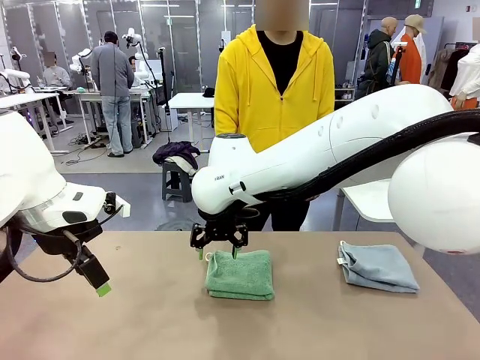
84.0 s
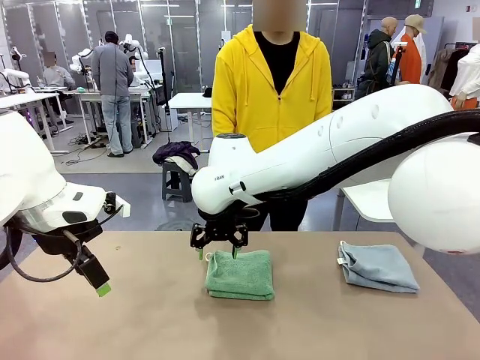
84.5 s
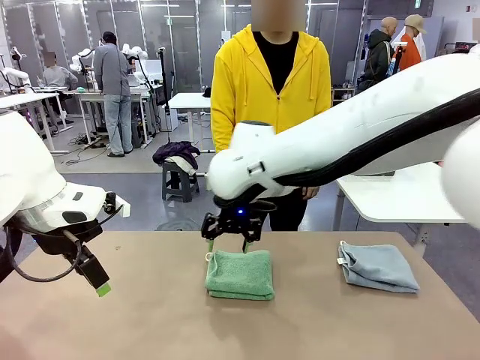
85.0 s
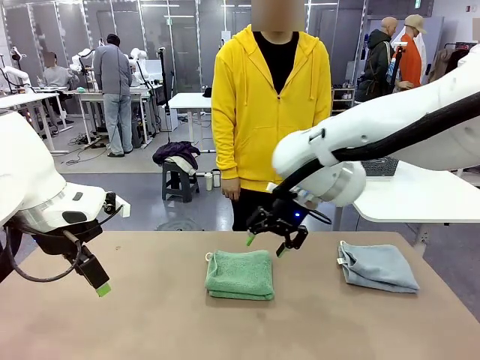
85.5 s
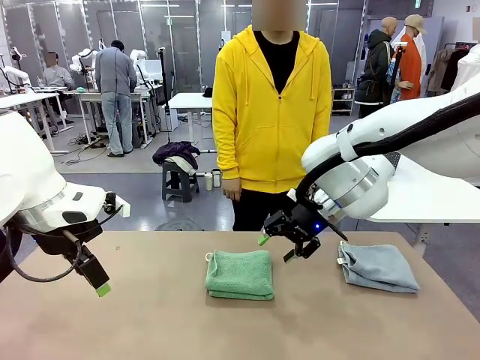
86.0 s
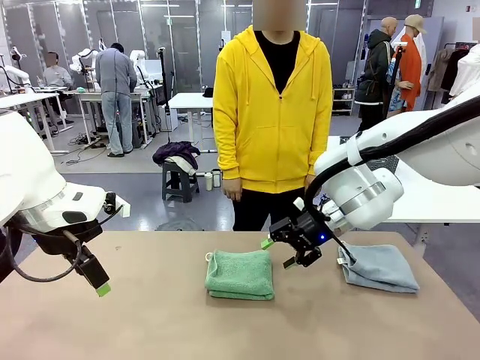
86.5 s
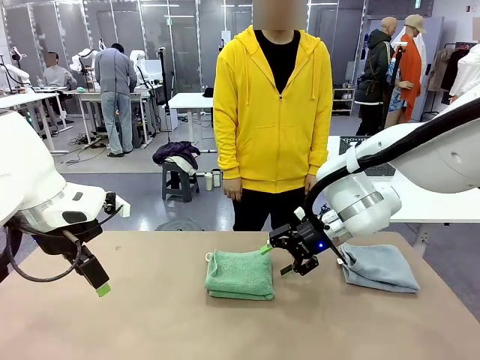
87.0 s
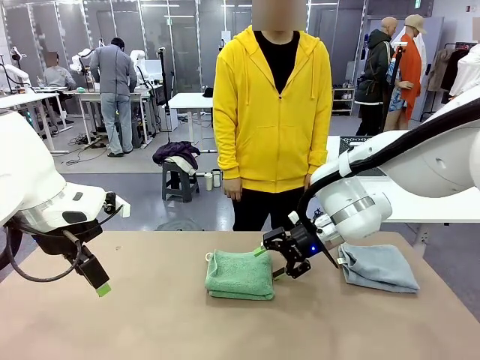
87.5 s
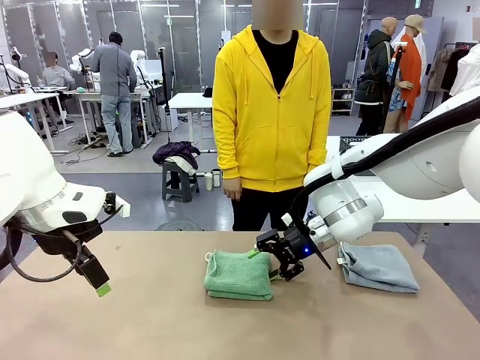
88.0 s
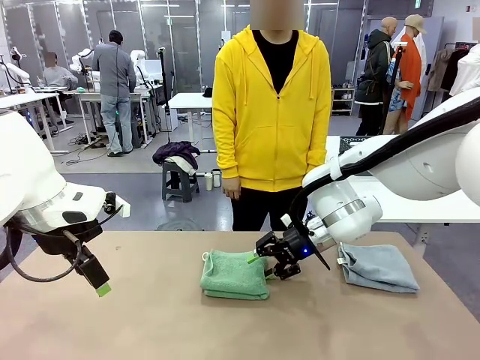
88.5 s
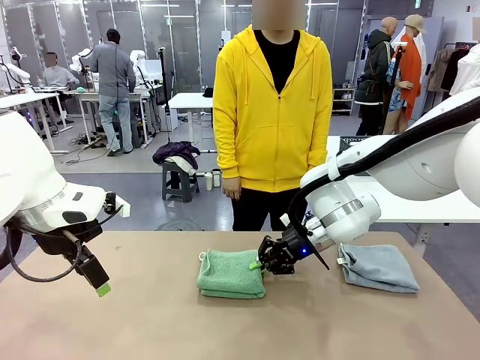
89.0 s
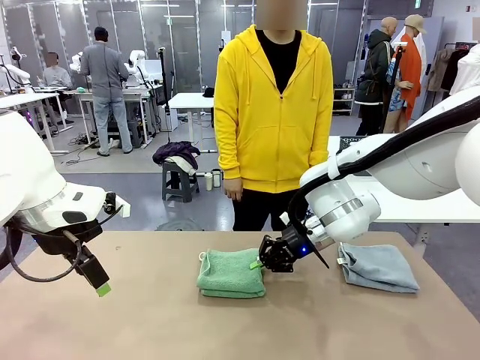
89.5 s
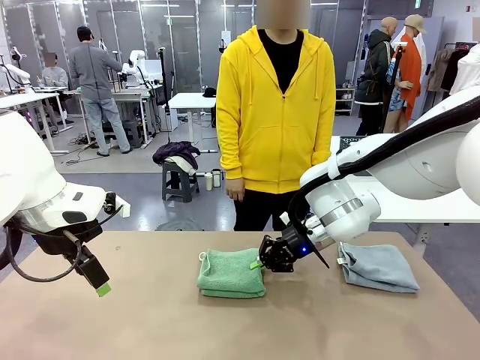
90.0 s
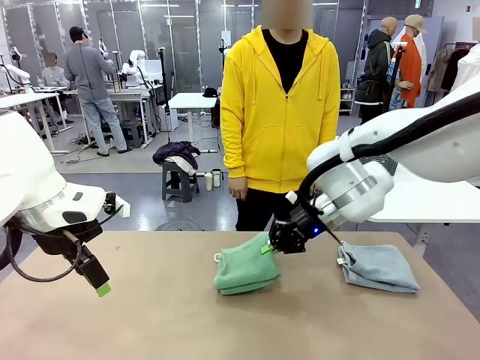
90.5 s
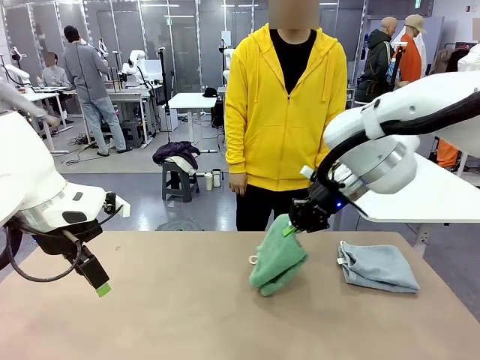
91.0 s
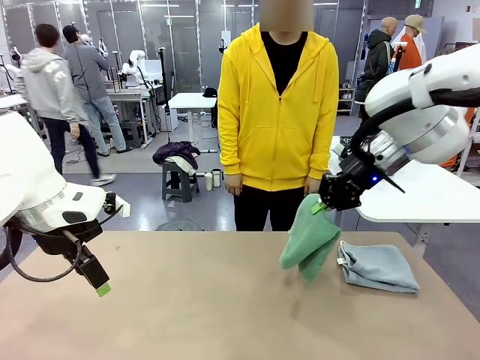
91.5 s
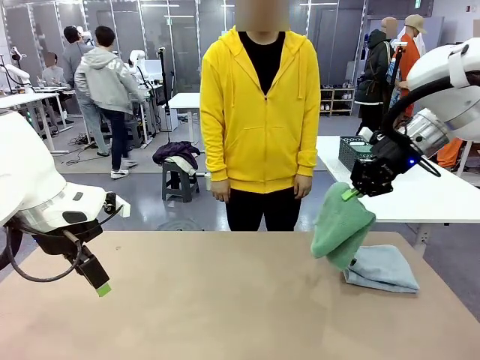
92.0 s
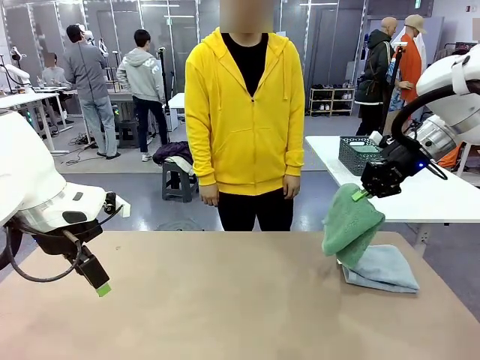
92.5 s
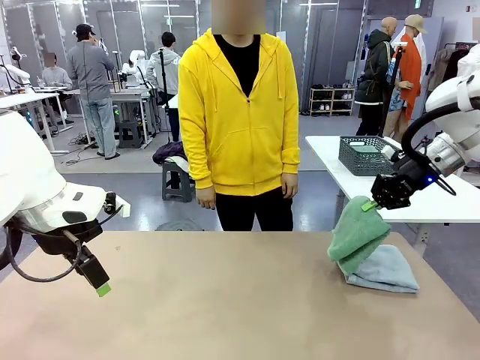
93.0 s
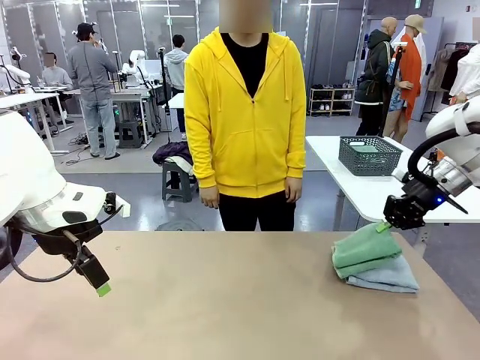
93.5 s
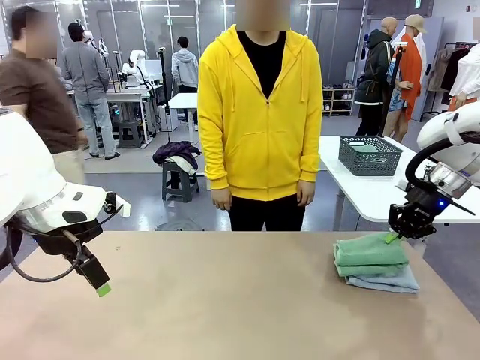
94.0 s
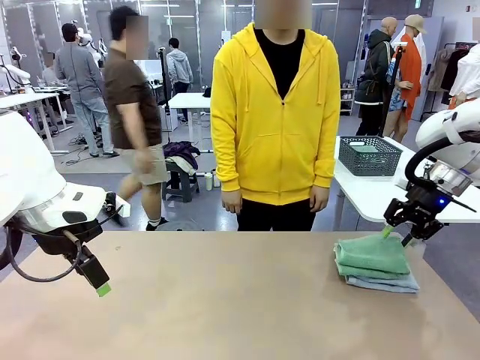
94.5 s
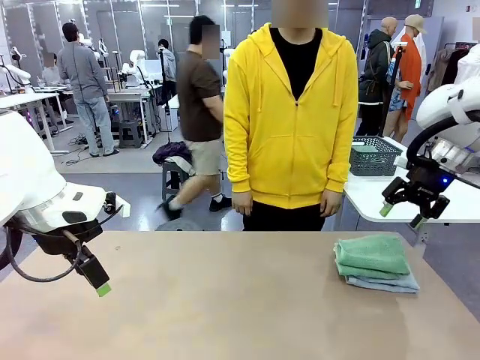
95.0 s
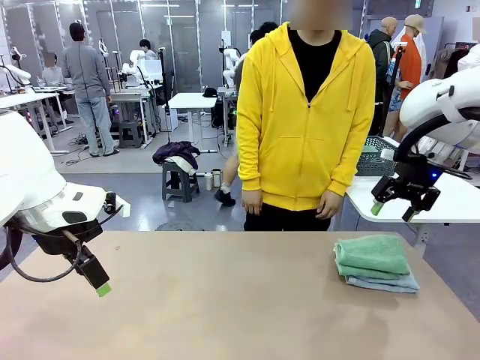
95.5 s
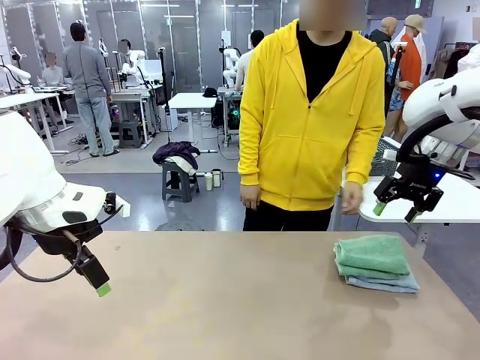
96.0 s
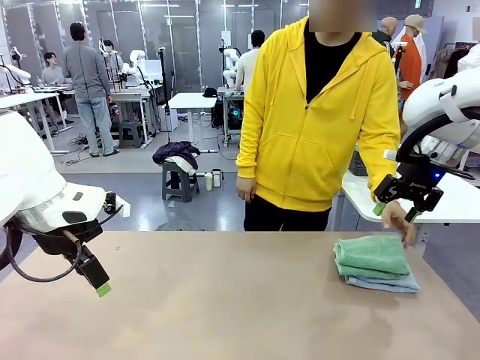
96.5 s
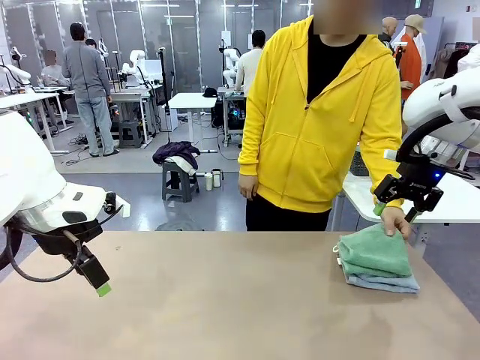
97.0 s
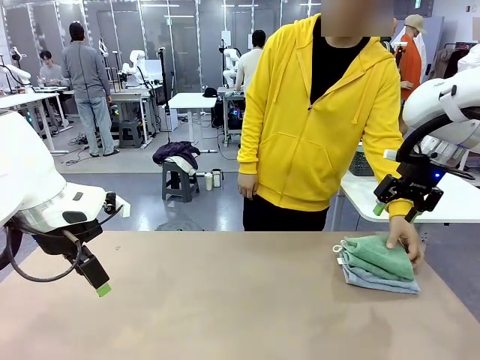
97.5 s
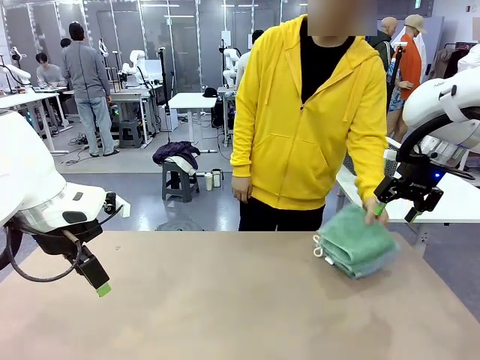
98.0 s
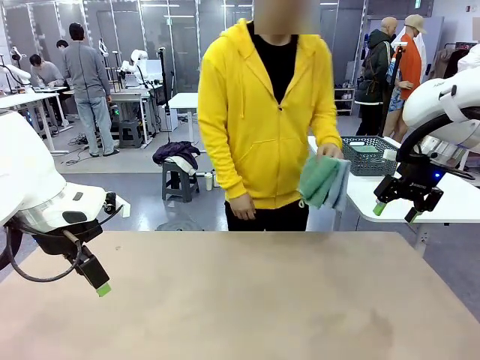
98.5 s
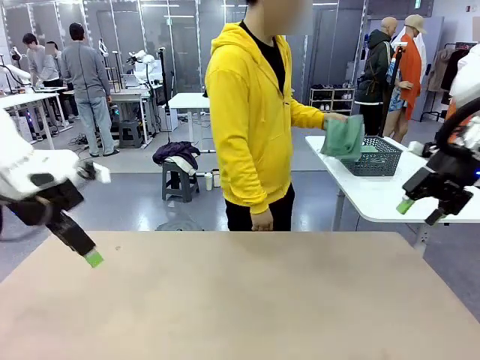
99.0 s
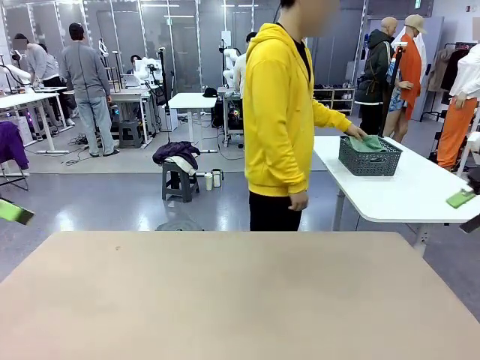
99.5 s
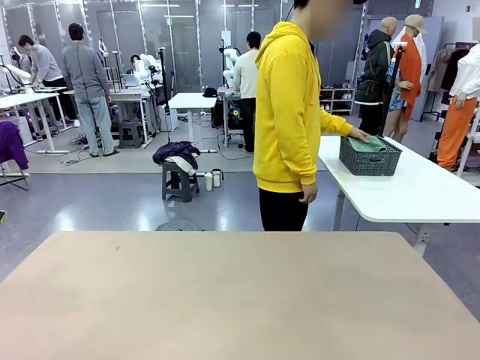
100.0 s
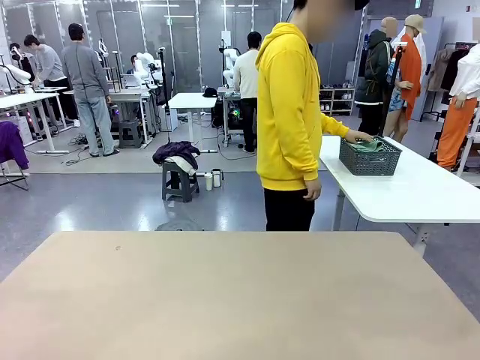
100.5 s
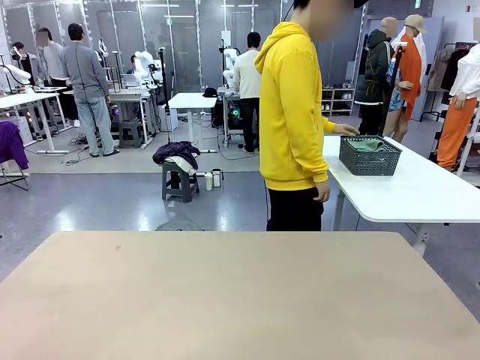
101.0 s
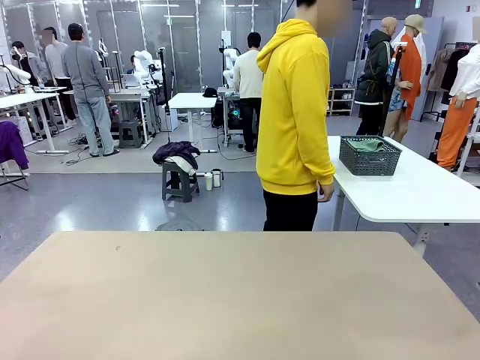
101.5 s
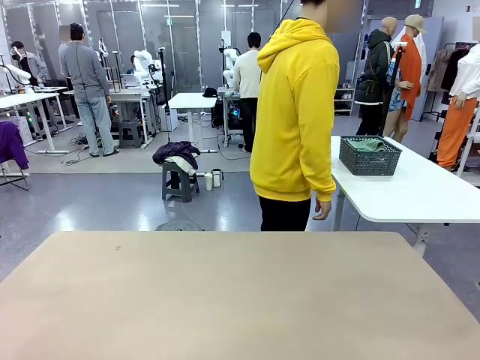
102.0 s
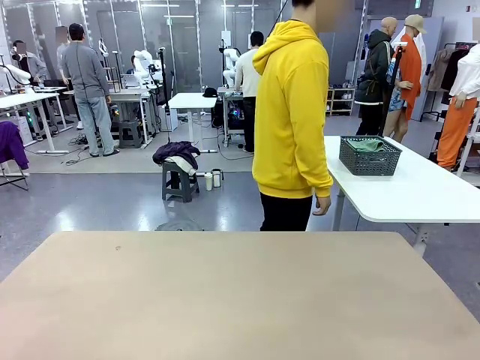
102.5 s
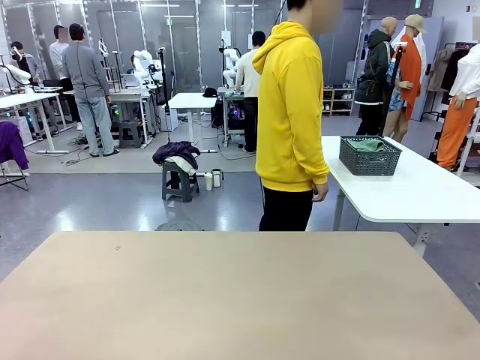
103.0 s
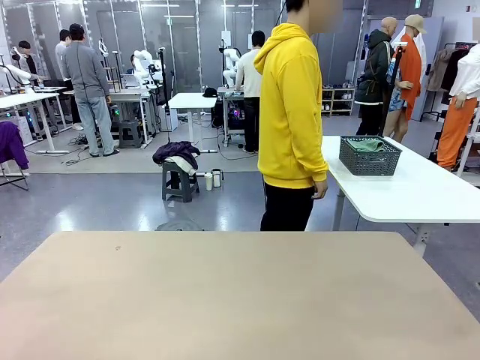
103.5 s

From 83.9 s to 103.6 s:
Task: Fold the towels and place them in the basket.
Robot: Stack the folded Towel with hook on the right side of the table.
Person: Pick up the stack of towels from the robot table and place it into the basket.

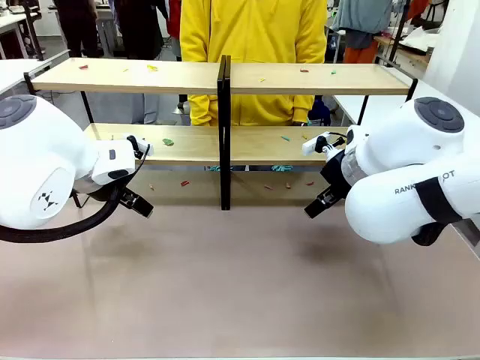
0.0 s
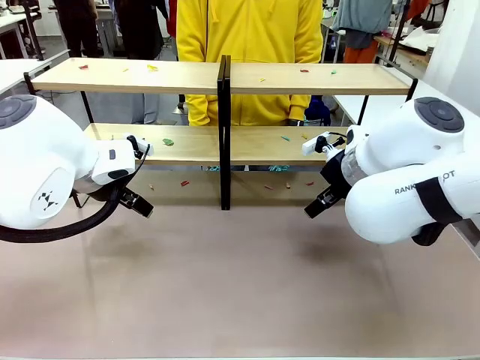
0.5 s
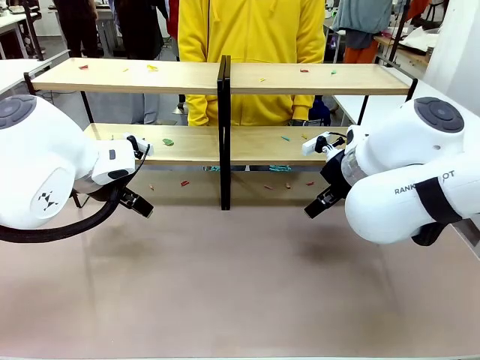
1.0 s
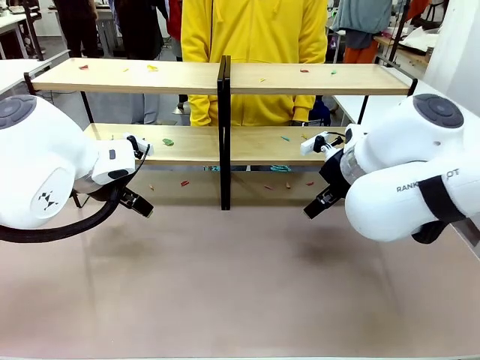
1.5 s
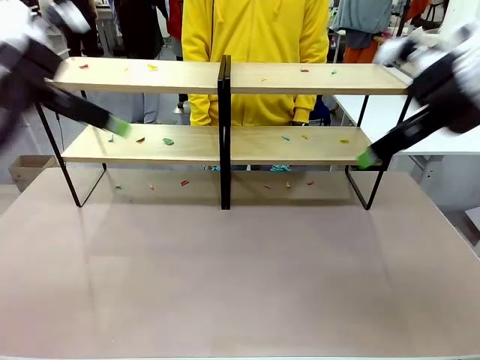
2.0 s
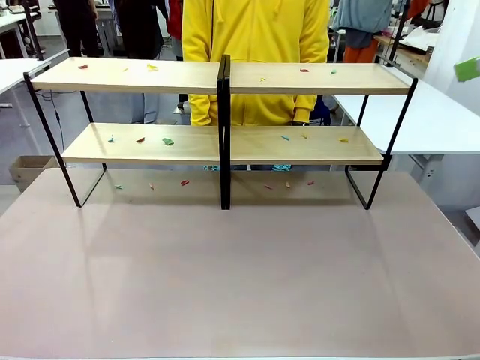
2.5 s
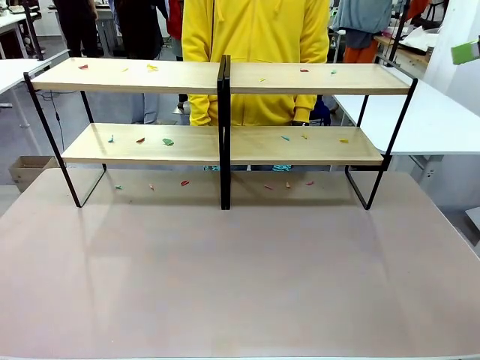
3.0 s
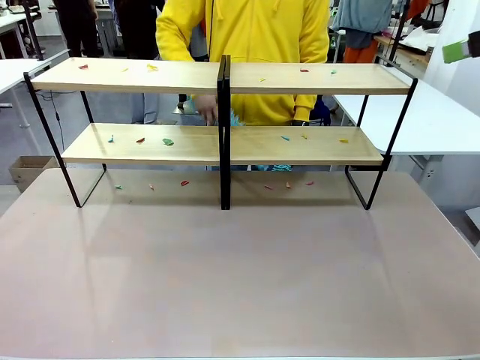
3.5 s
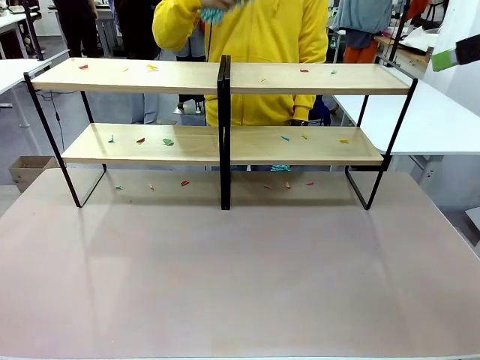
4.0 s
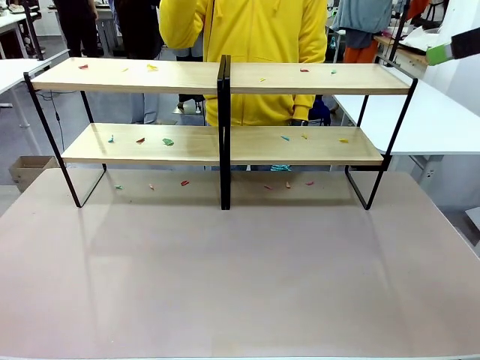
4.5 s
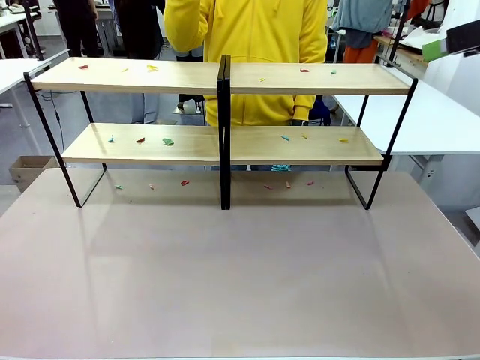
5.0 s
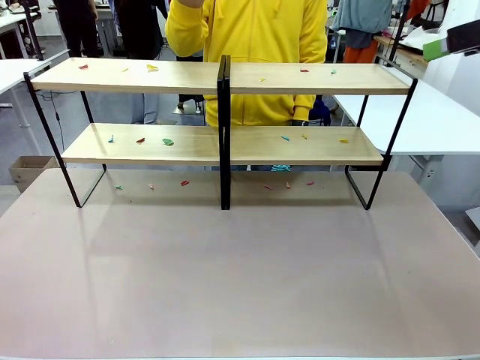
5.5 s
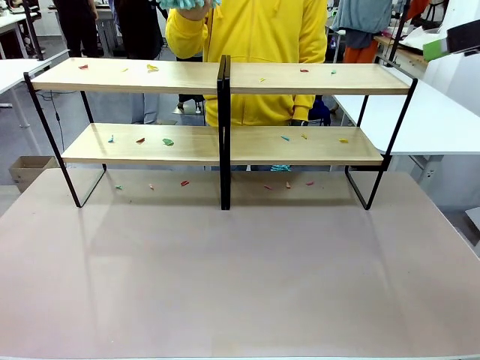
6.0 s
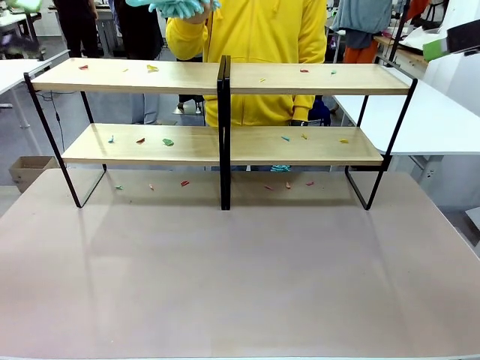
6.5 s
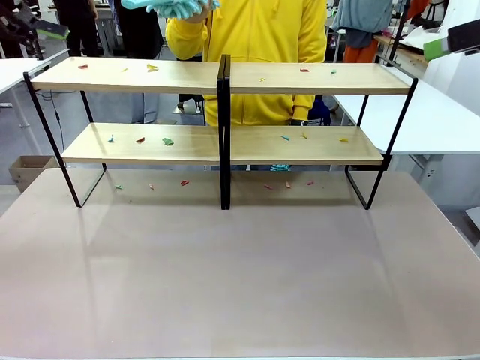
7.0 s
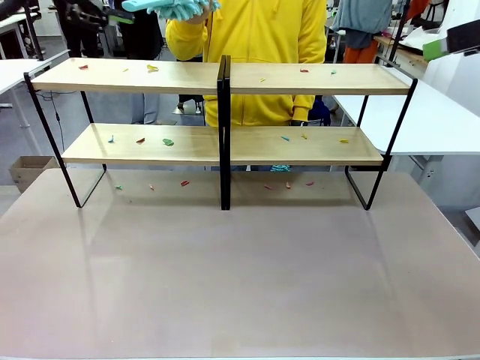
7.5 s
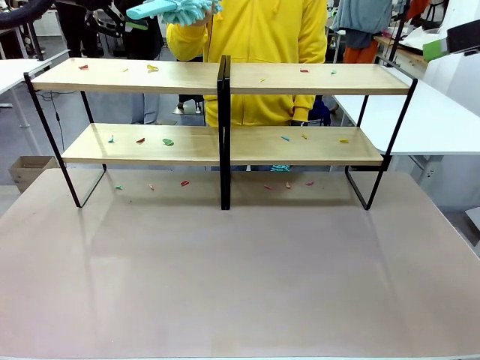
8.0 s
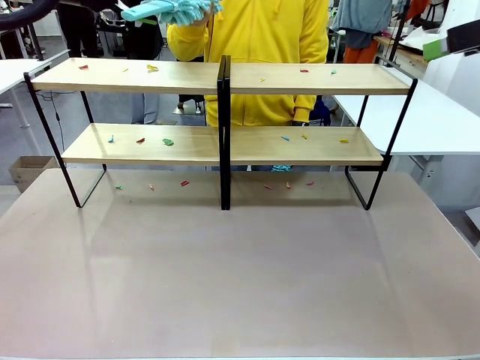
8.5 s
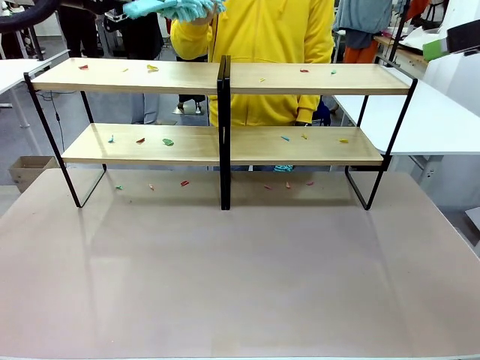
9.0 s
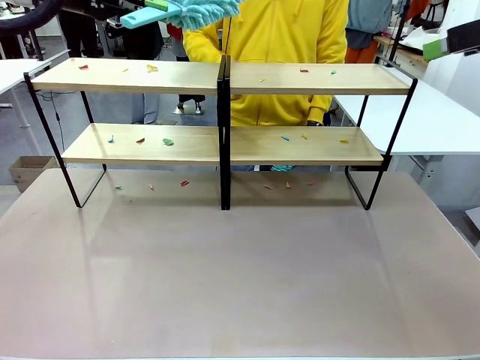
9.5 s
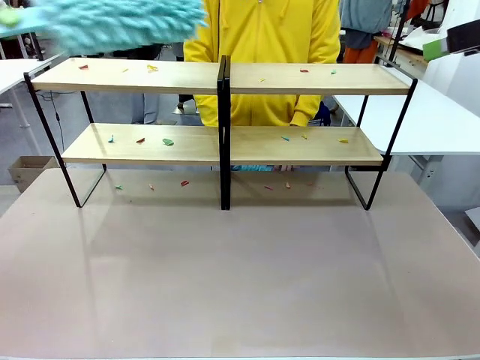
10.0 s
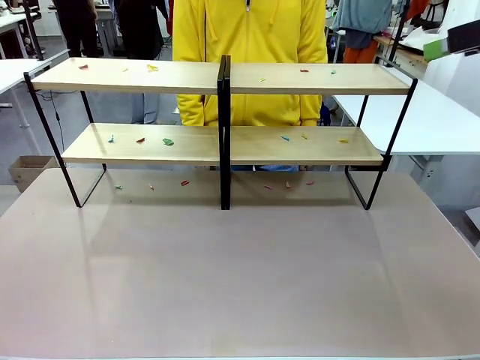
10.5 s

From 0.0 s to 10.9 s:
Task: Clean the shelves.
Robot: Pick up the Duster when the human hands it over.
Person: Hand the Duster to the robot with your right (or left) hand.
